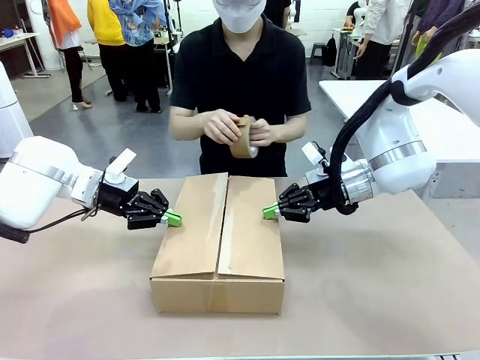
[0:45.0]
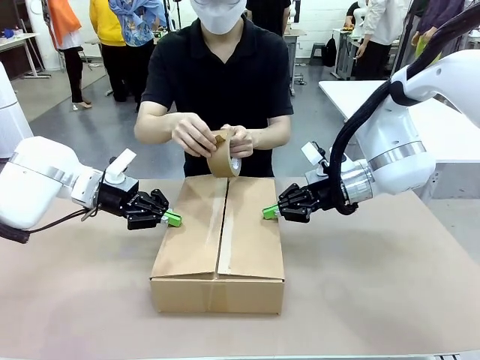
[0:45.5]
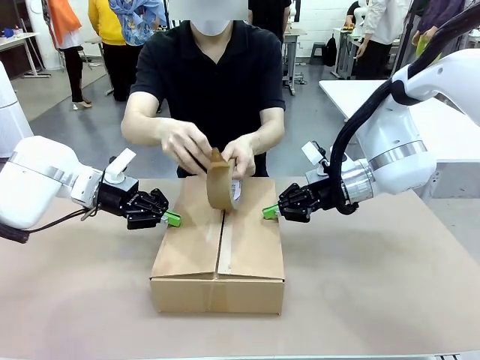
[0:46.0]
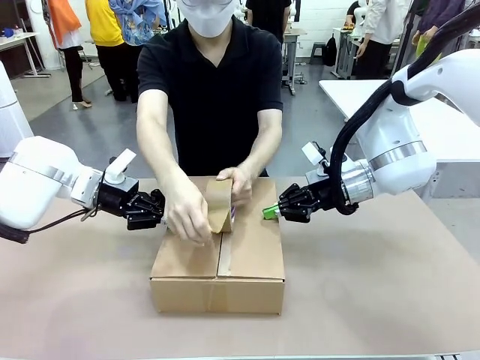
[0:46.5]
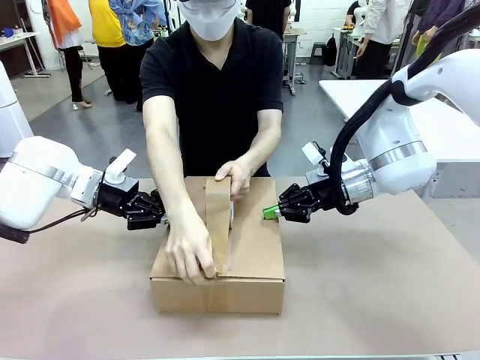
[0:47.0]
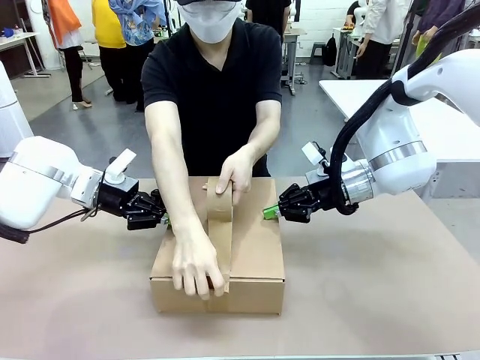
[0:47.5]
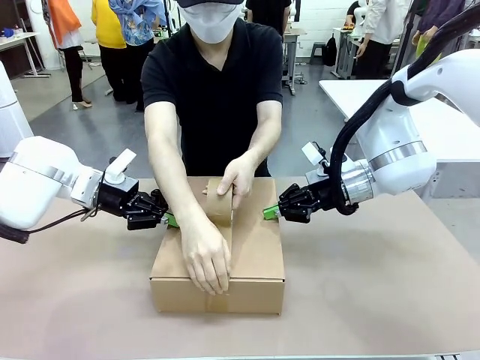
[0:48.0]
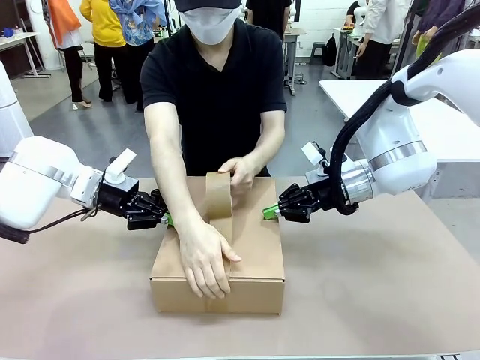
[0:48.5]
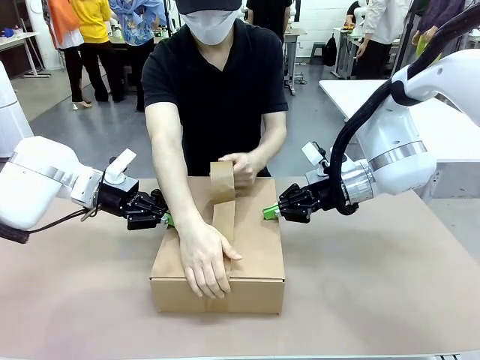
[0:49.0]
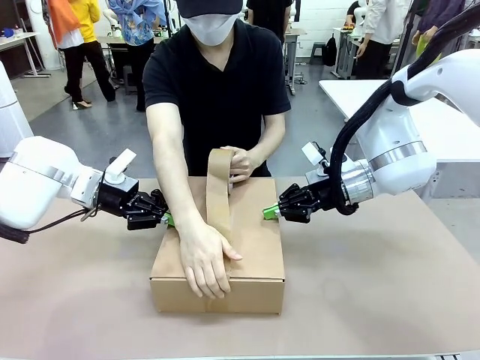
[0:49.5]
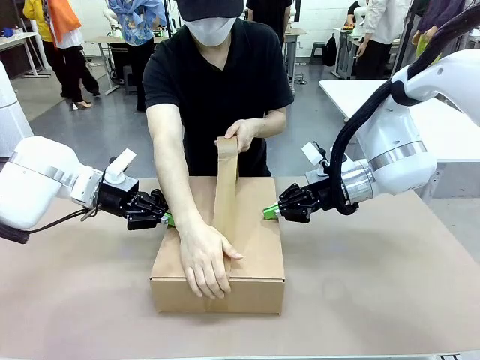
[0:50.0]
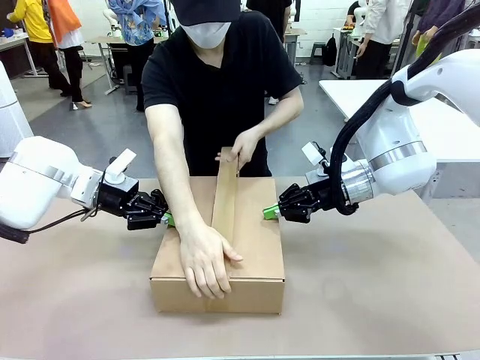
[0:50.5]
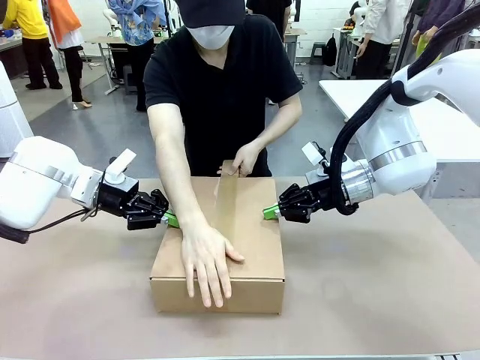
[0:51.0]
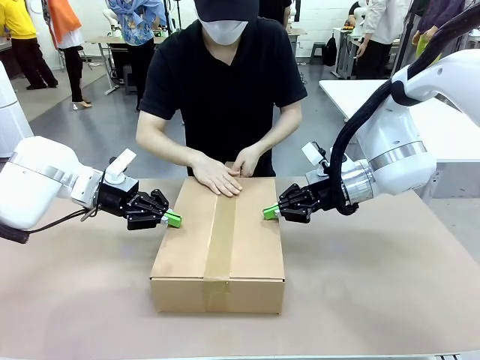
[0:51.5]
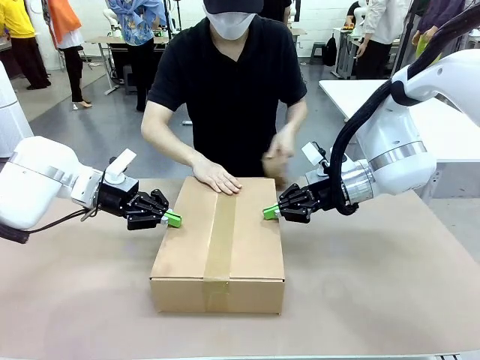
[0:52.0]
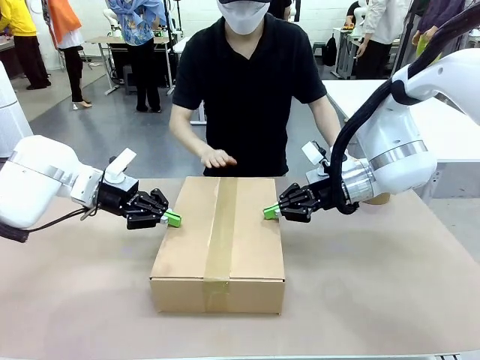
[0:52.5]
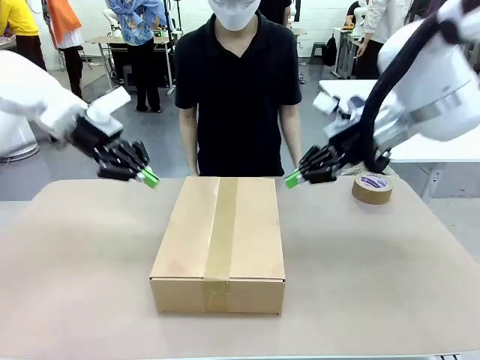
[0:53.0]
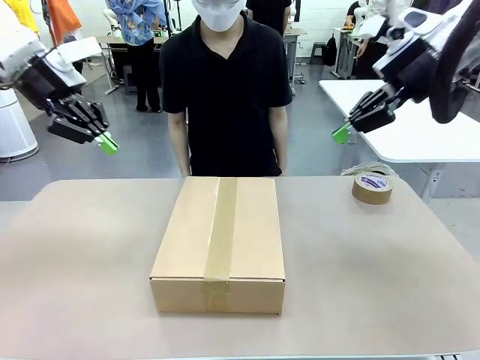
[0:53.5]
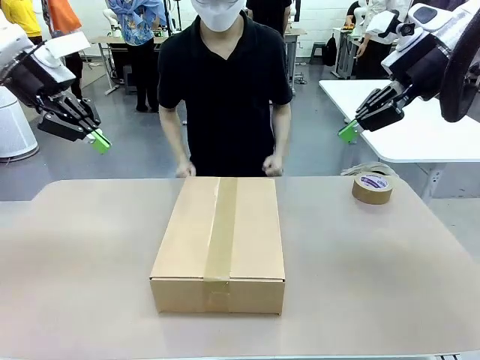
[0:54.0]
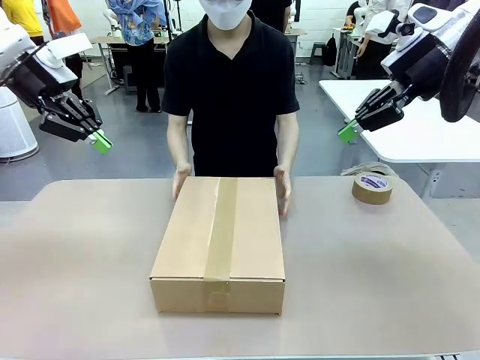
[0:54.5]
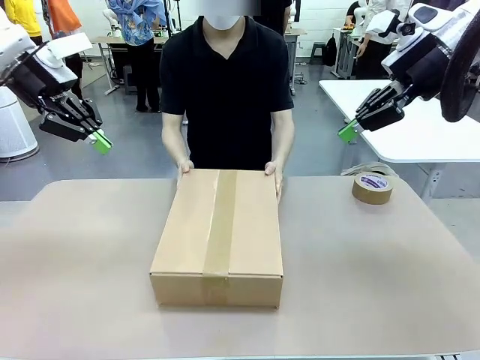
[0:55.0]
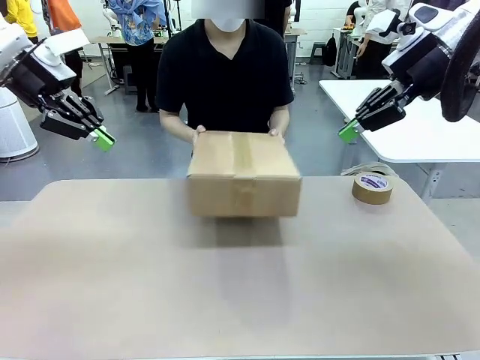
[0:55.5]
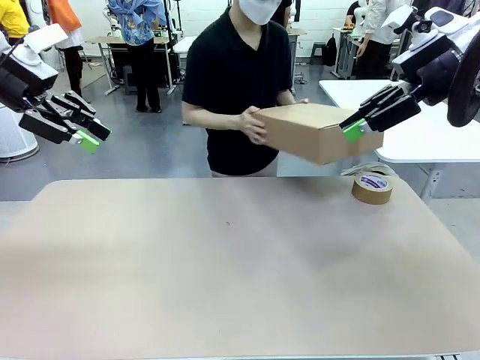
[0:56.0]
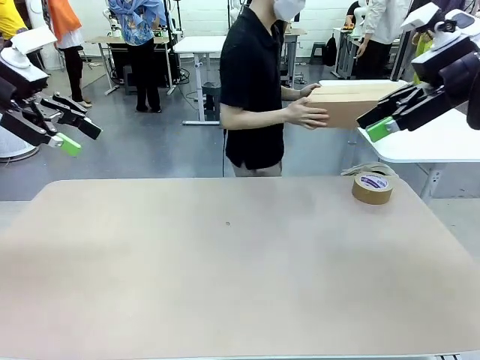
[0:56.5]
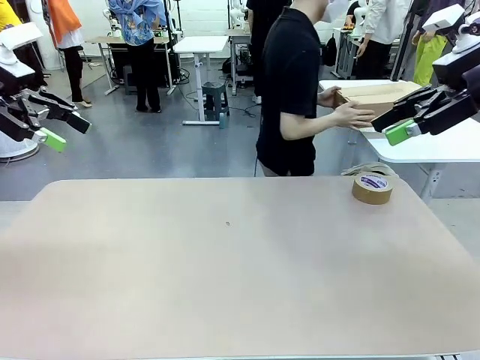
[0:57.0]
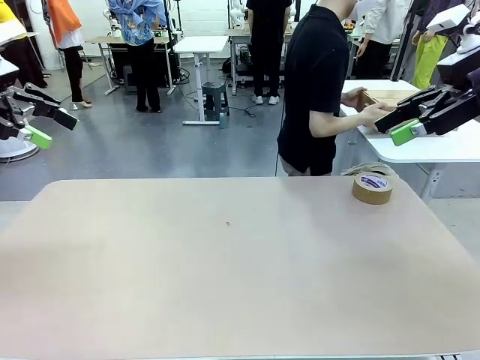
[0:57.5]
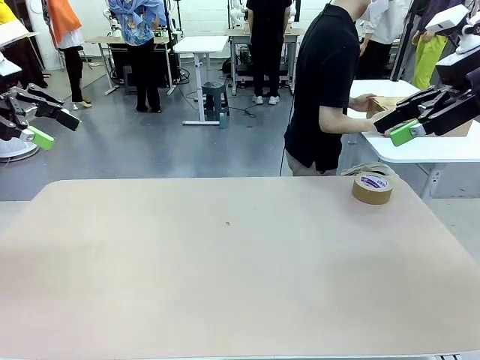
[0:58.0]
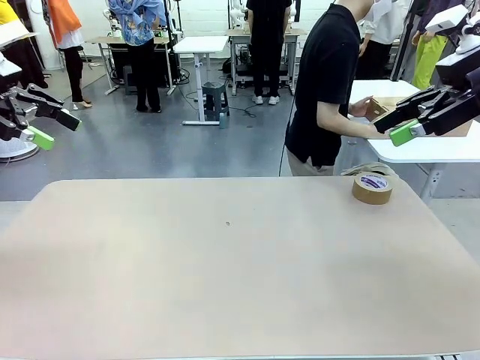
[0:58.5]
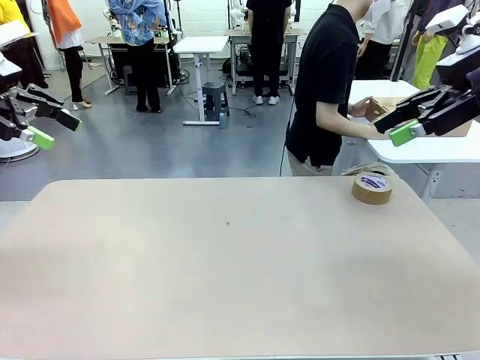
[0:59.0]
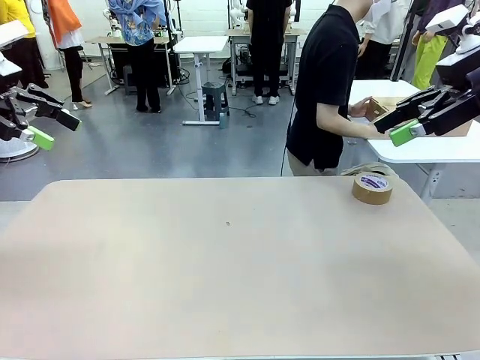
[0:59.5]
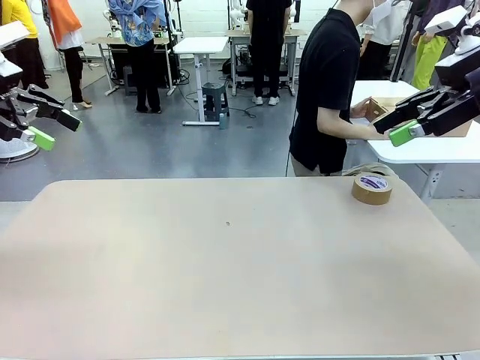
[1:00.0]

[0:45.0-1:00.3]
Task: Wrap the clocks to prevent damage.
Robot: After the human seals the box with tape, release both hands from the side flaps of the Package Box.
Person: Once the robot closes the left flap of the Package Box , seal the box with Paper Tape. Place sealed Package Box in the middle of the human's table.

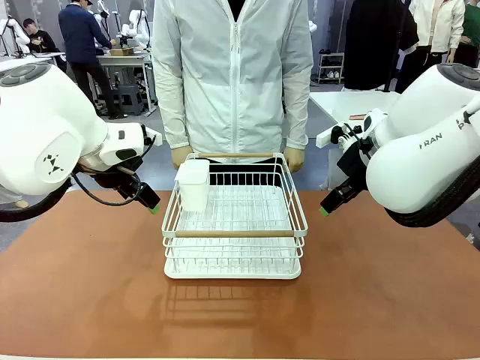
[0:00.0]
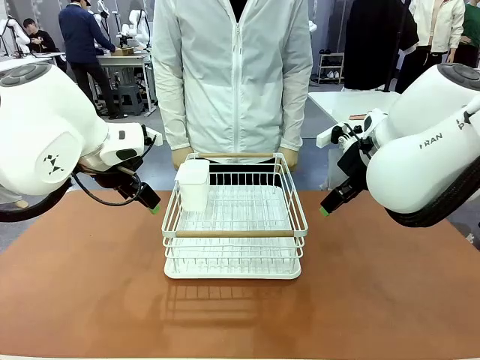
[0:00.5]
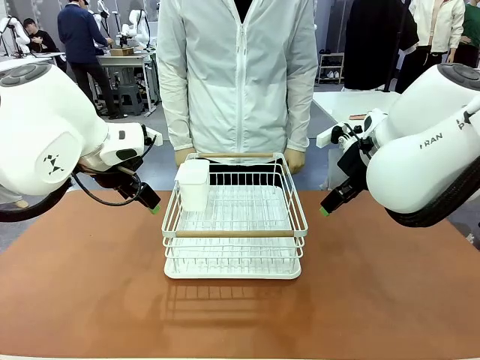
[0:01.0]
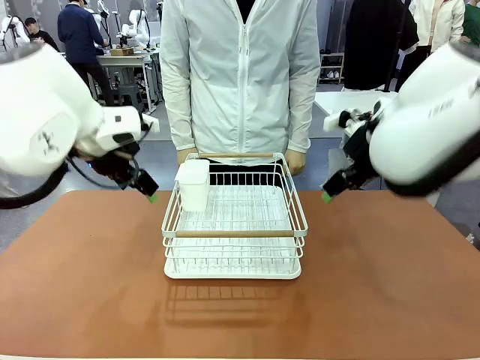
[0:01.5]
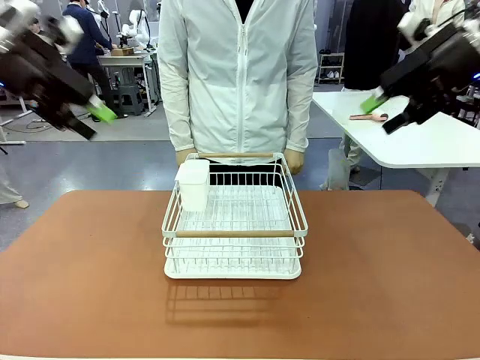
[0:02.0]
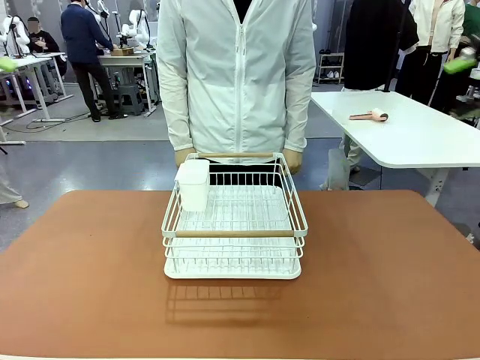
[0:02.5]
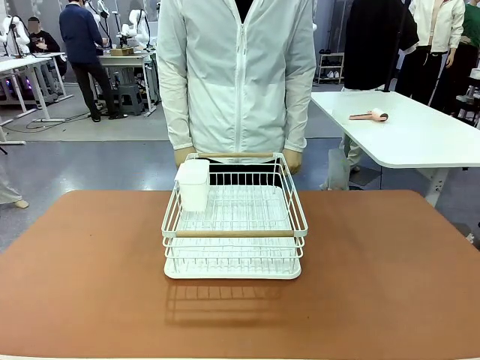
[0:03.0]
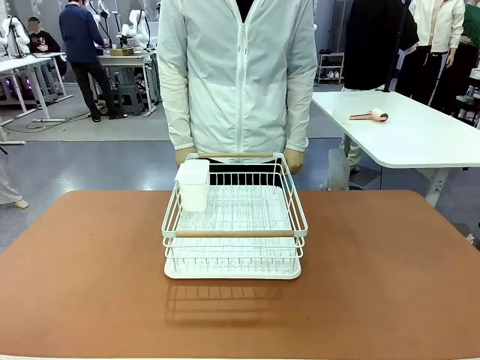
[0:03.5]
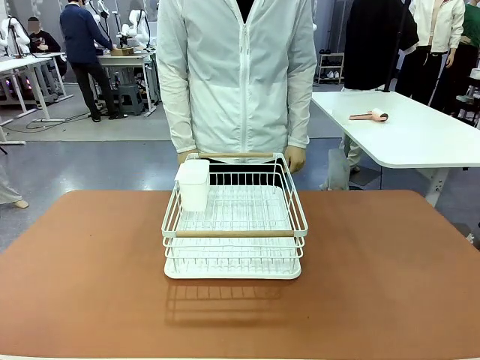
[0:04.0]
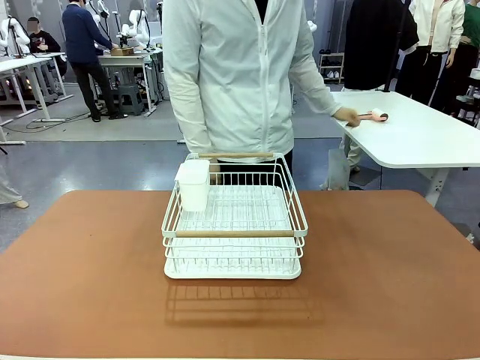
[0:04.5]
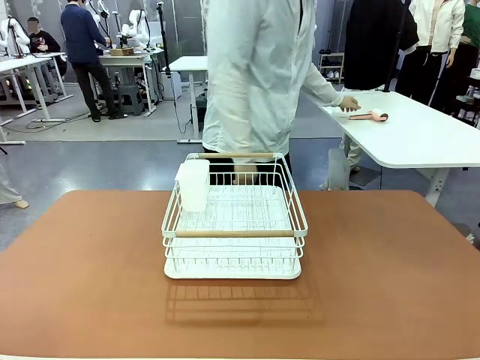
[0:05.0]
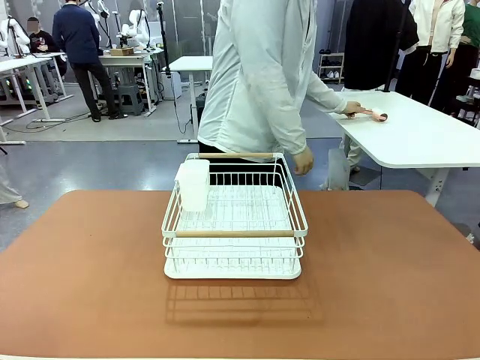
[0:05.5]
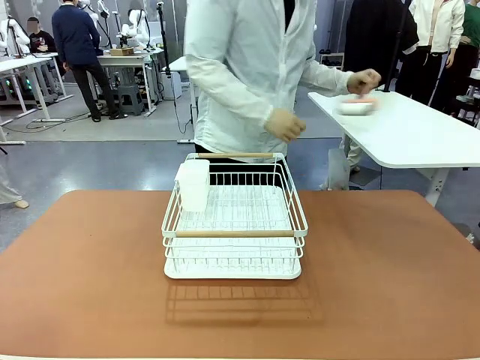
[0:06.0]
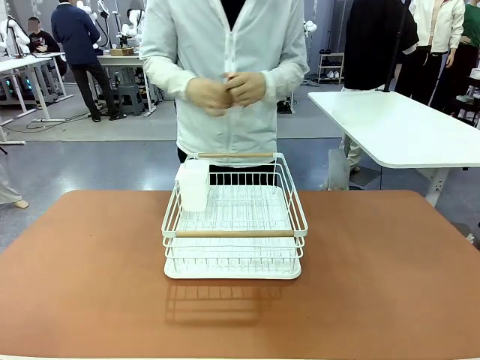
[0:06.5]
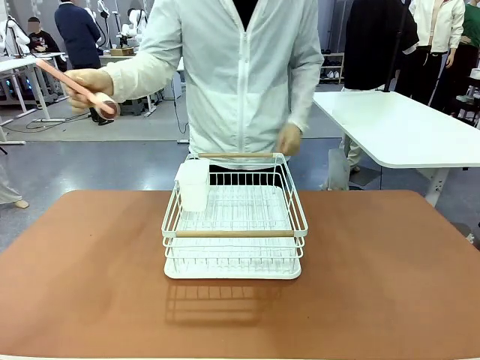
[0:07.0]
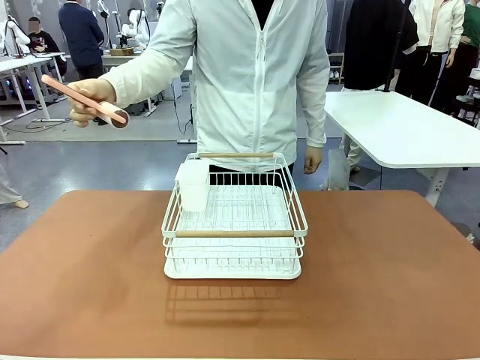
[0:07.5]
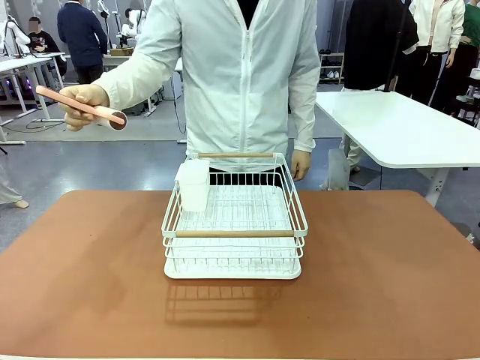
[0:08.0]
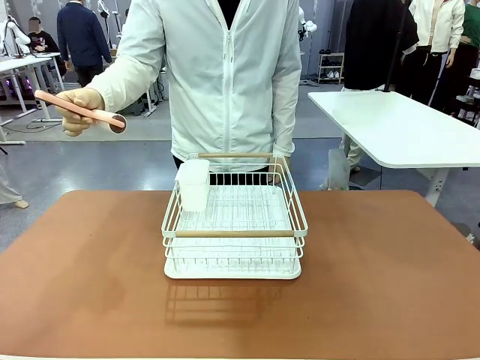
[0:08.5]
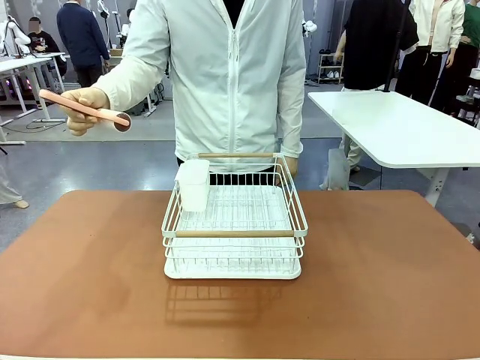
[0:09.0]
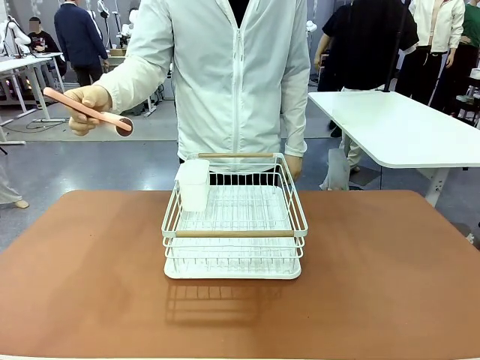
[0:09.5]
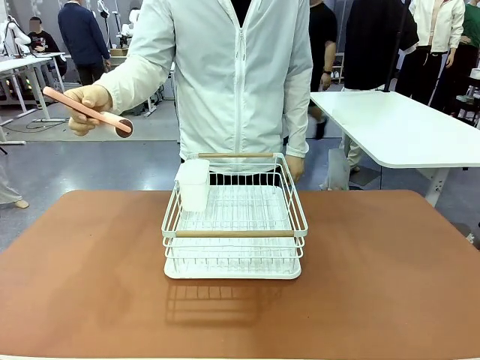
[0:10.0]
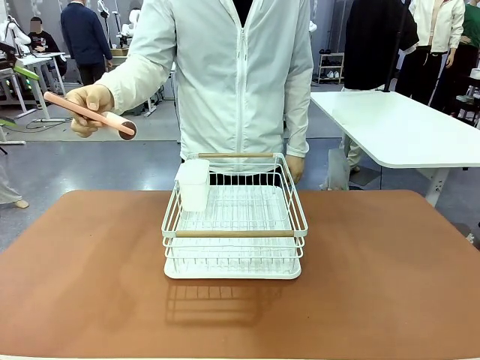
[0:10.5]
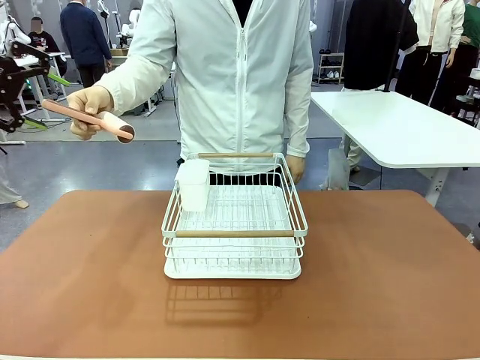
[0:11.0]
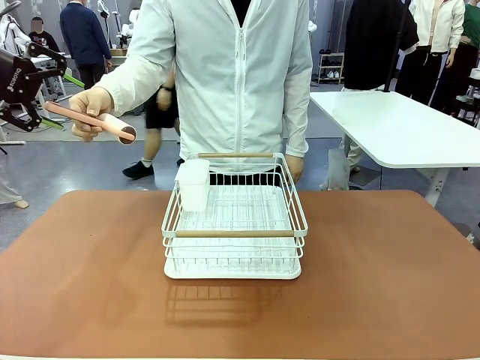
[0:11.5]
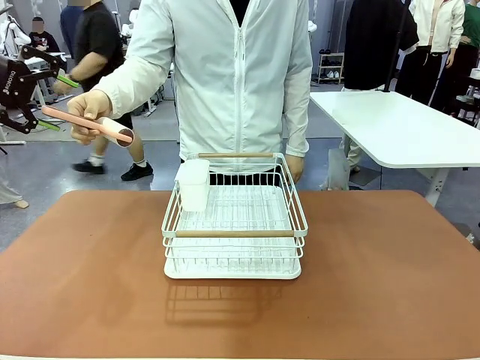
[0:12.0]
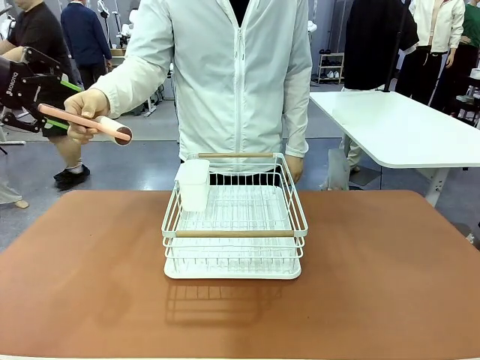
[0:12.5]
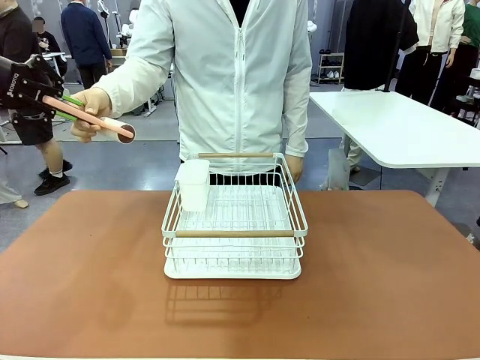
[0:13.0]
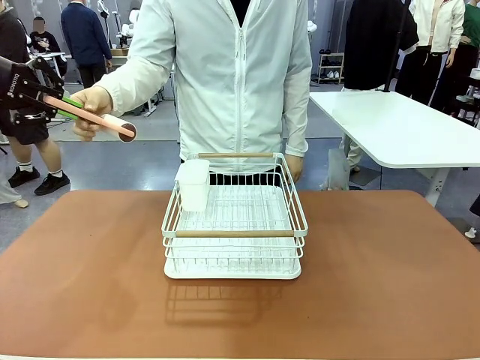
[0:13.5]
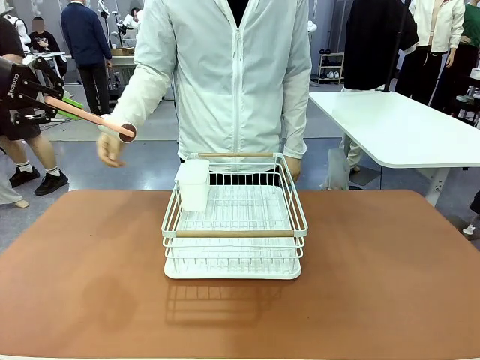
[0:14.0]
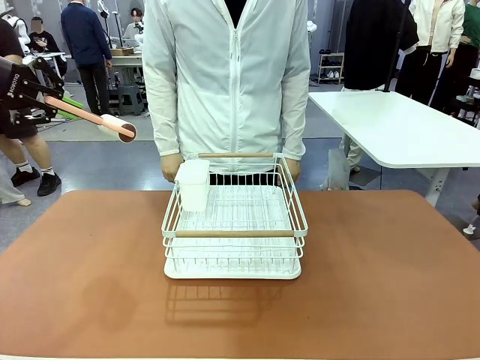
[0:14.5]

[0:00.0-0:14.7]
Task: Clean the table.
Robot: Pick up the Lint Roller when the human hands it over.
Person: Hand the Lint Roller to the robot so it can easily pick it up. Lift the Dish drying rack.
